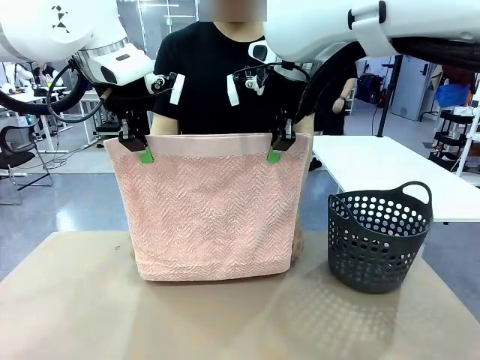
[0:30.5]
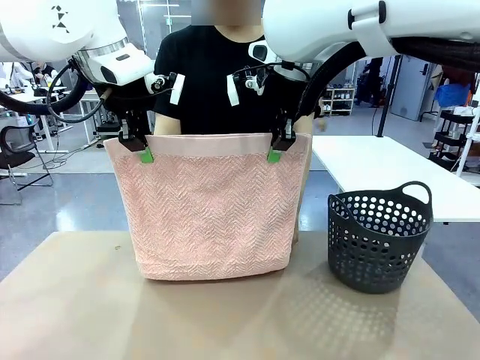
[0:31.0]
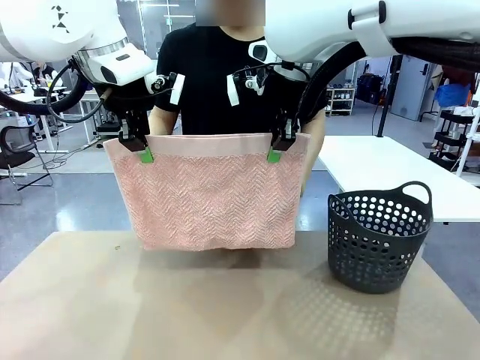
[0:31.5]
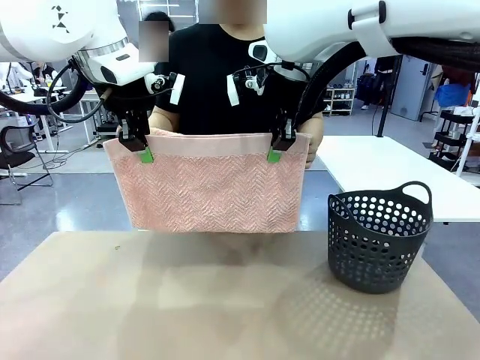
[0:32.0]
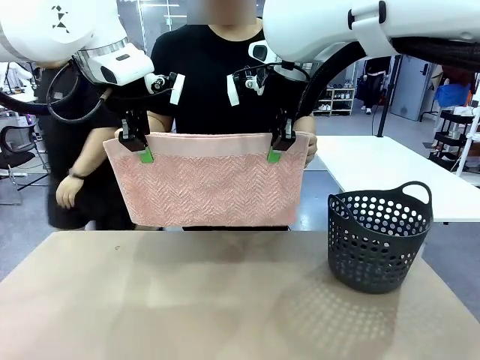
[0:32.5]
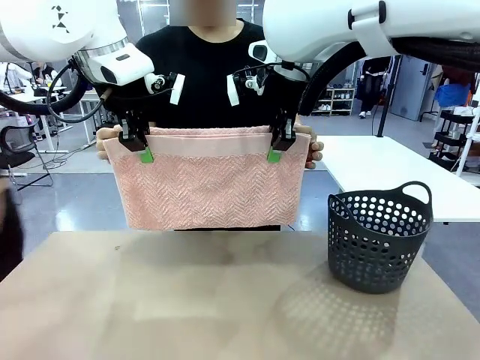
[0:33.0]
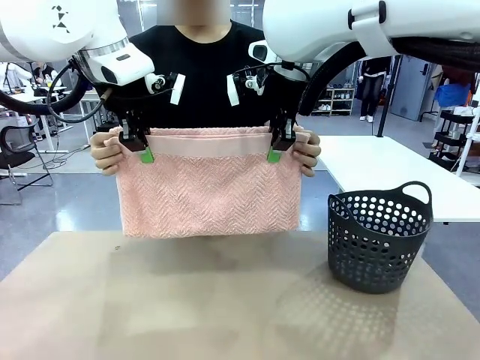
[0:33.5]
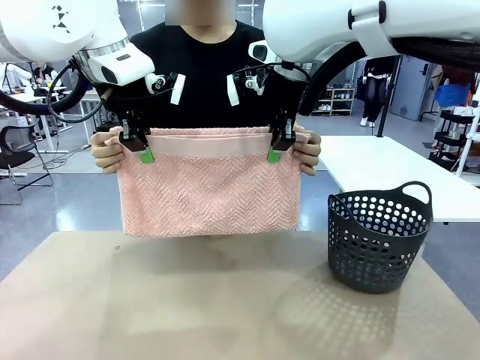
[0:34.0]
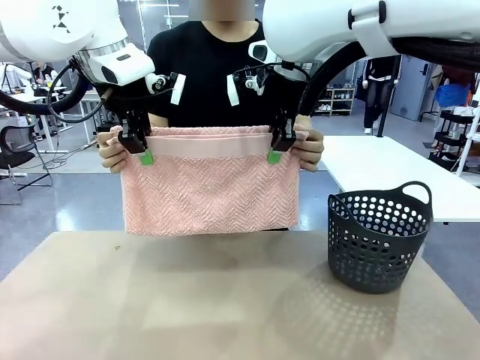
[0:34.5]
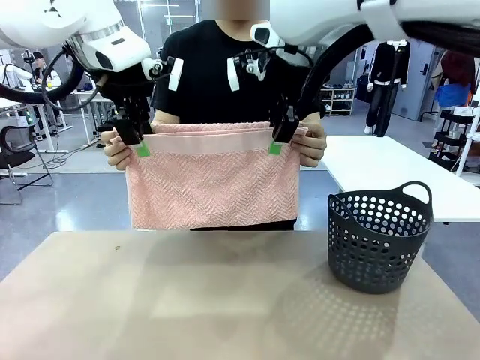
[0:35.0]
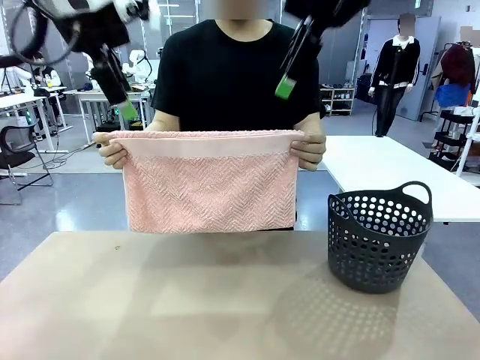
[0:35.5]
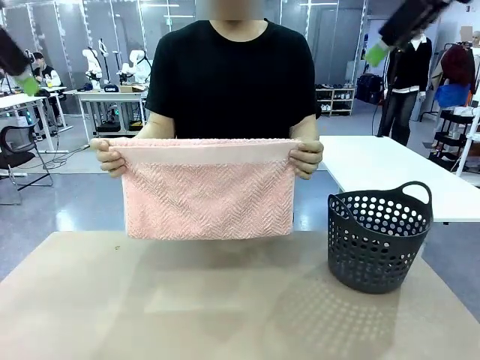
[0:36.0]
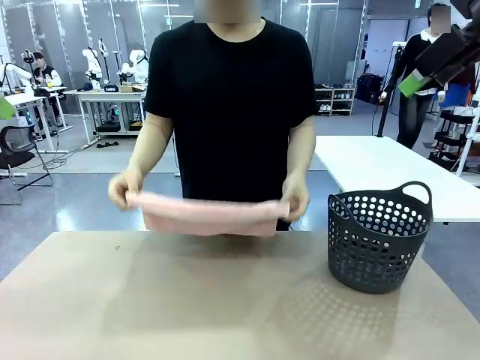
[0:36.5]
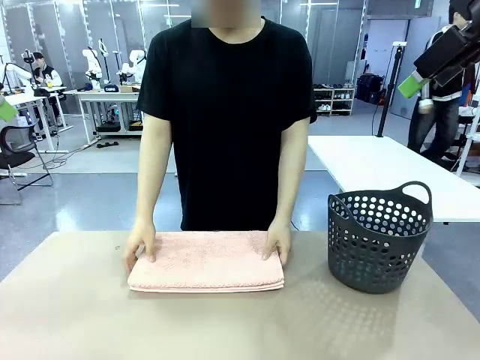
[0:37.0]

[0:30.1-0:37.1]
Task: Fold the towel.
Robot: Release the end of the 100 cm Hotel Towel you were holding.

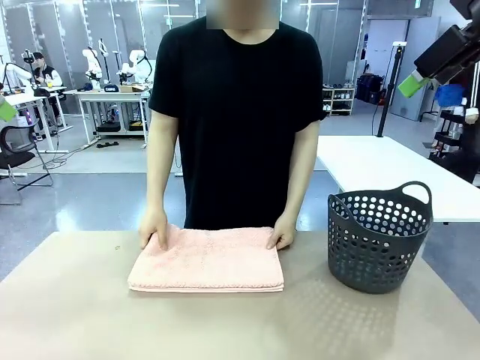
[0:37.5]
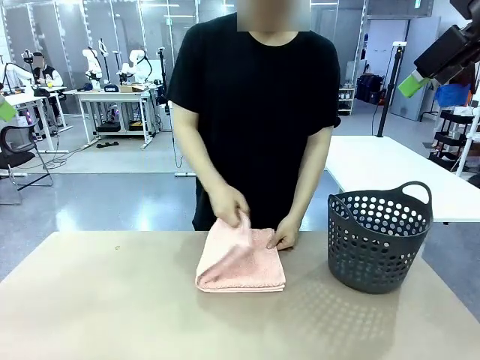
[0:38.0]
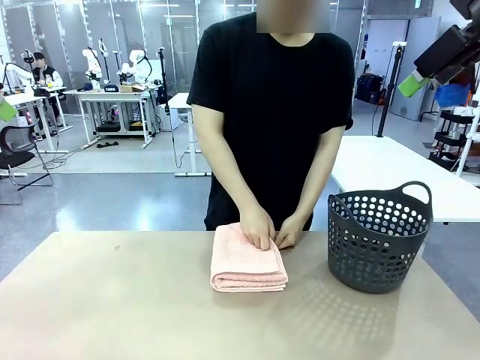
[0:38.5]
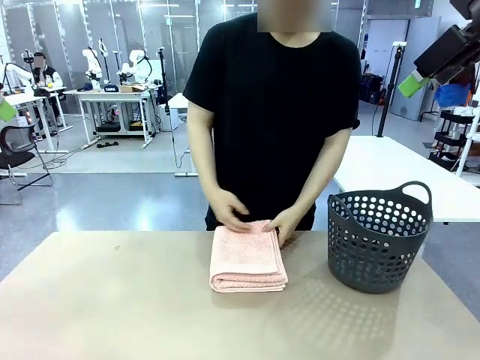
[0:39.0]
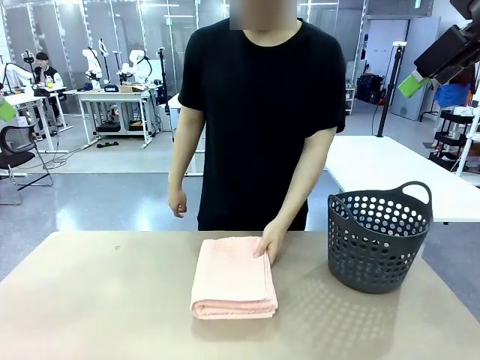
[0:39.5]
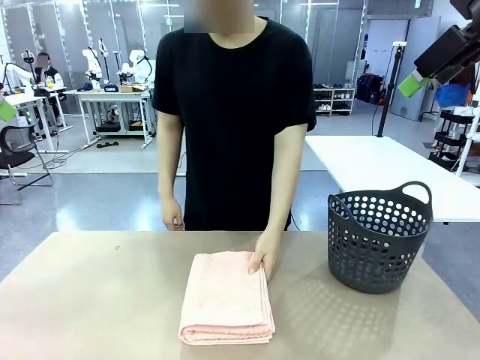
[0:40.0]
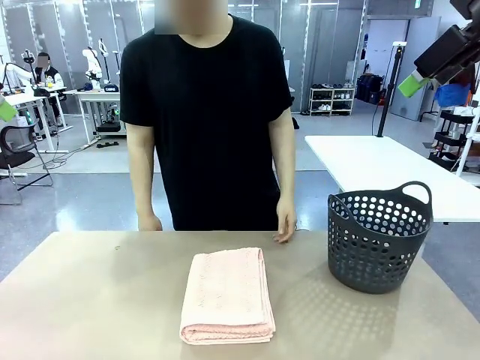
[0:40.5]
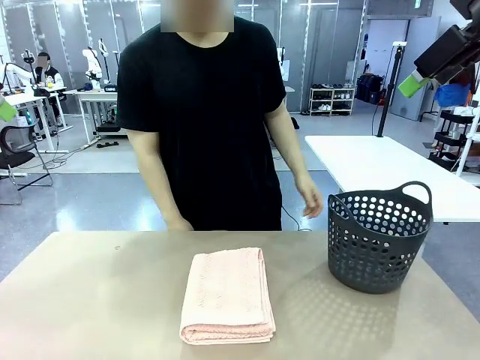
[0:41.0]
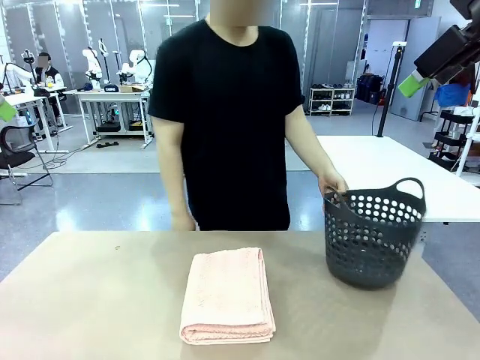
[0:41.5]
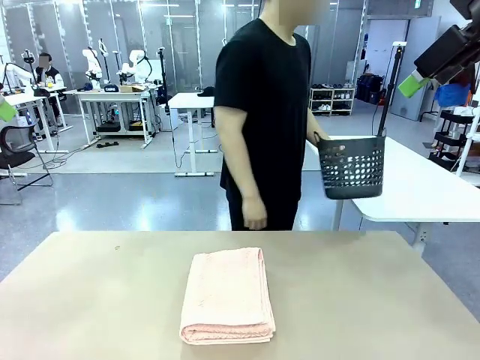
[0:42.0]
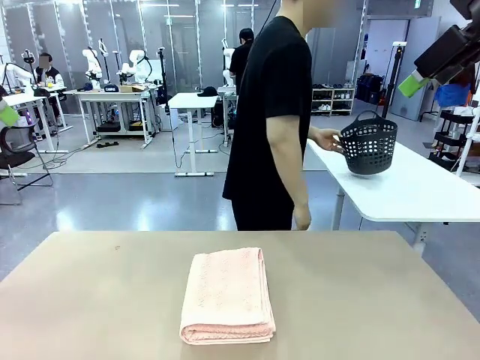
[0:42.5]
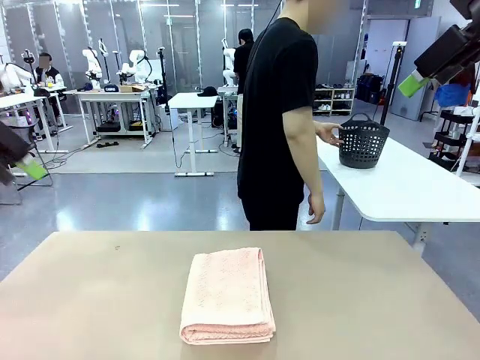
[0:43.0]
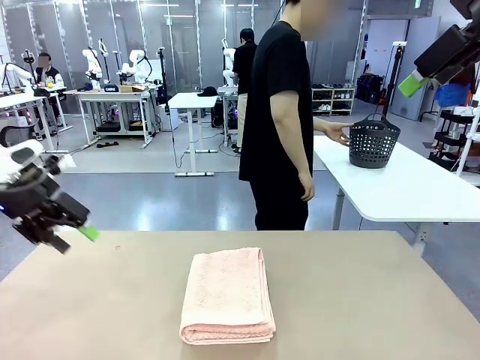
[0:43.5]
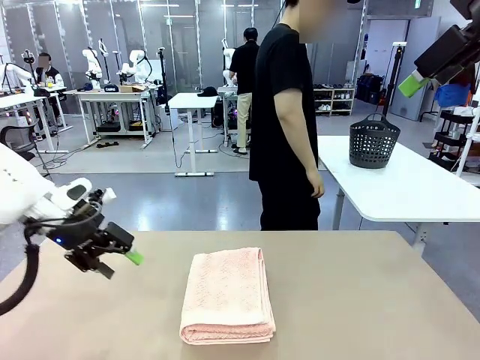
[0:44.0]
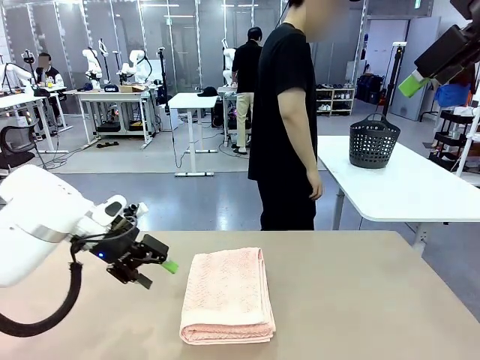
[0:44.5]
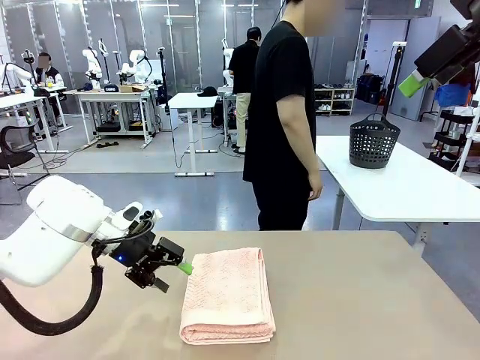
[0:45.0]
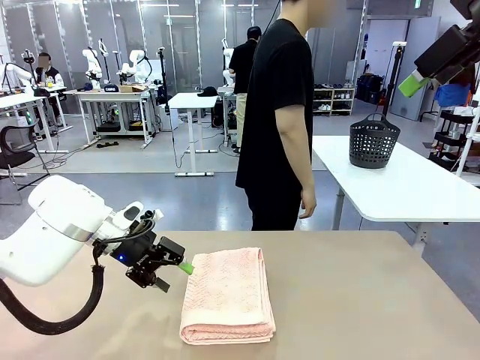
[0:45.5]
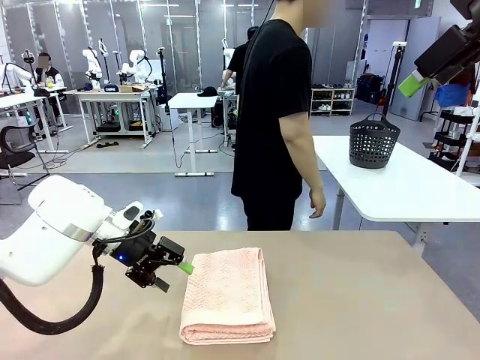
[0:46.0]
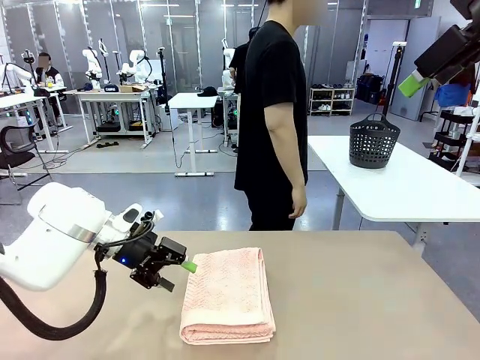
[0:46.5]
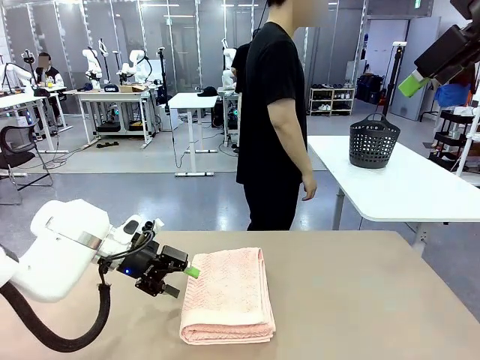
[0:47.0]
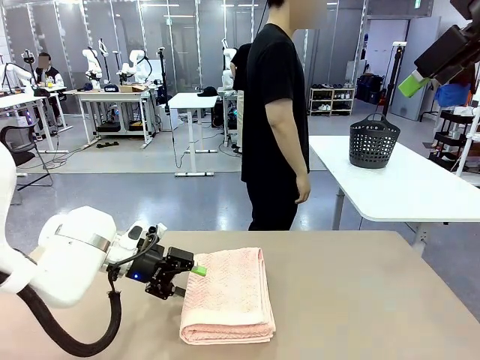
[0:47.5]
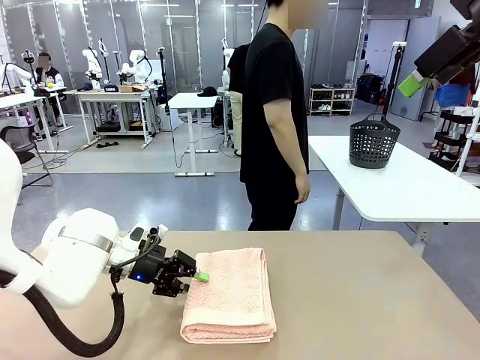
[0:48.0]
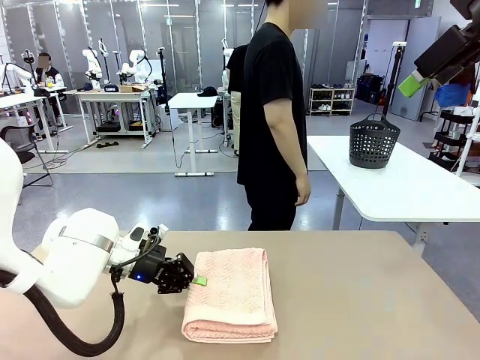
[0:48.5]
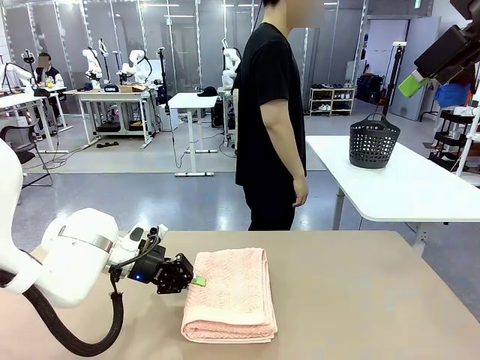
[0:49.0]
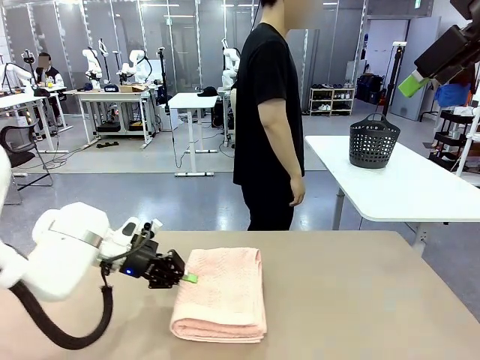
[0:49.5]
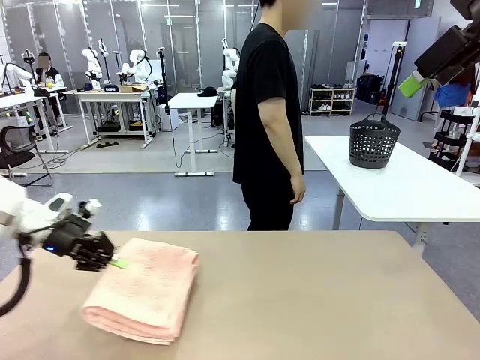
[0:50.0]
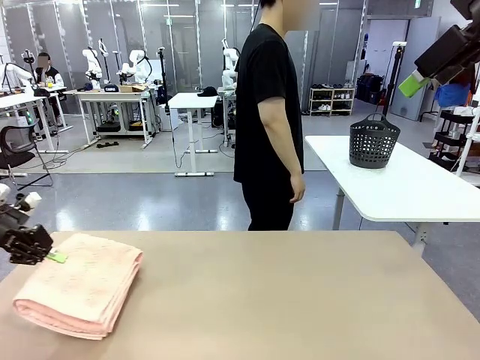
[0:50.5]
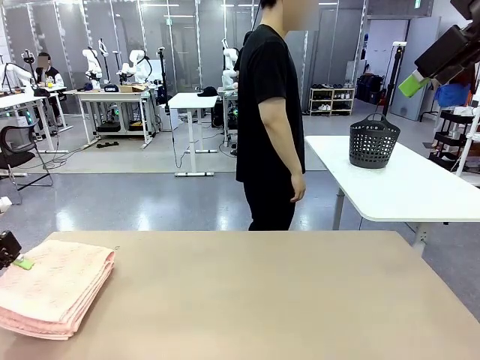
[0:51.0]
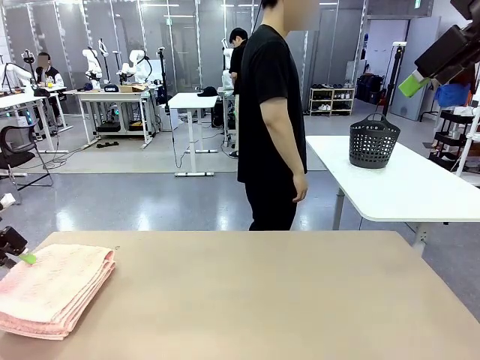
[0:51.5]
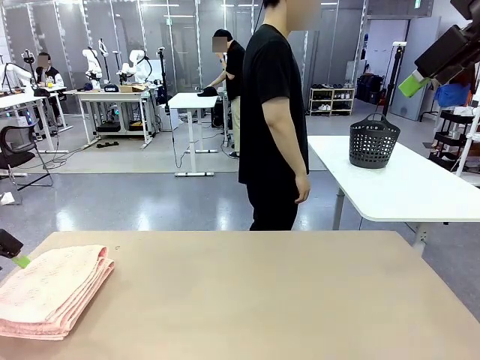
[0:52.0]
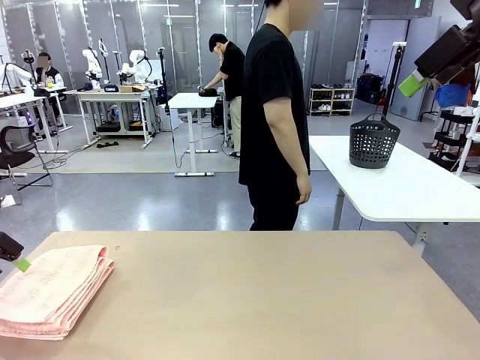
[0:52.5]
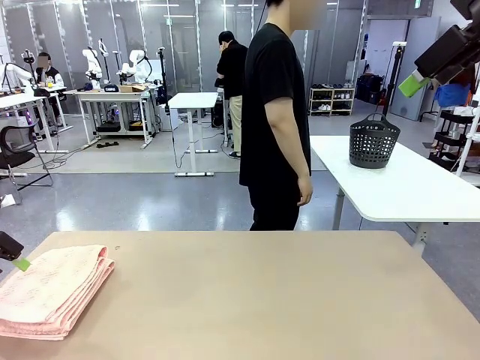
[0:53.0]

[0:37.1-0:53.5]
Robot: Pick up the 100 cm Hotel Towel and place it on the left side of the table.
Person: Pick up the laundry basket and place it at the center of the human table.
